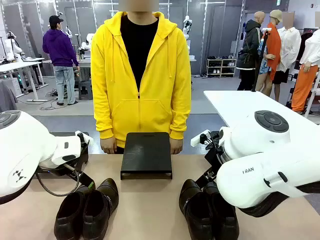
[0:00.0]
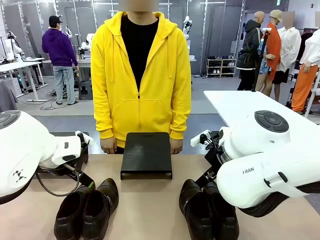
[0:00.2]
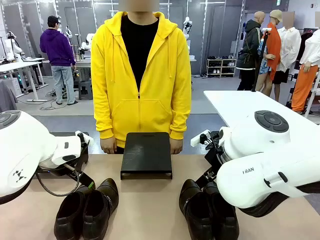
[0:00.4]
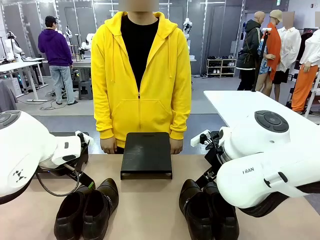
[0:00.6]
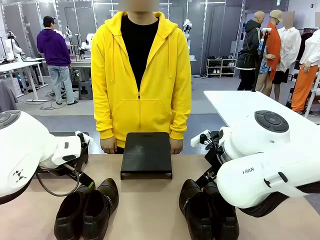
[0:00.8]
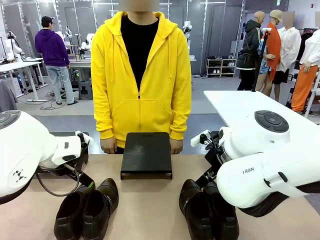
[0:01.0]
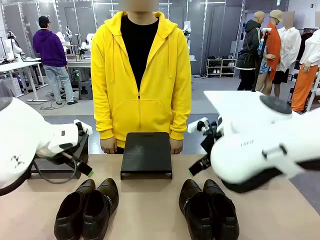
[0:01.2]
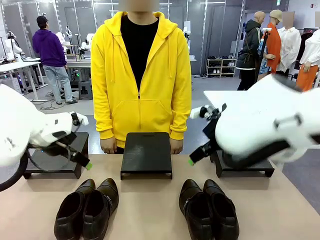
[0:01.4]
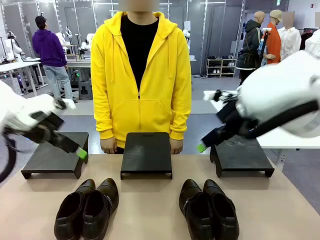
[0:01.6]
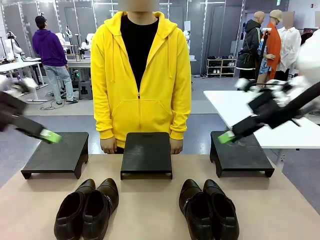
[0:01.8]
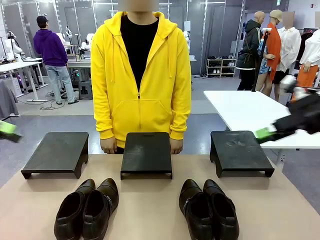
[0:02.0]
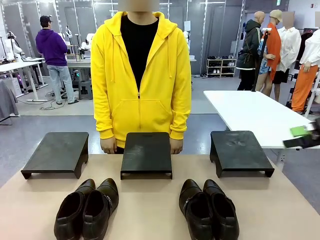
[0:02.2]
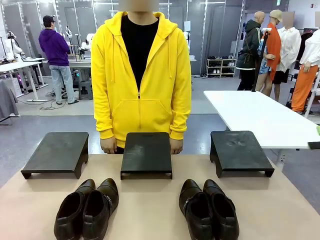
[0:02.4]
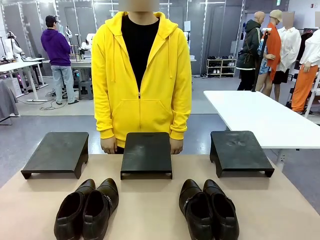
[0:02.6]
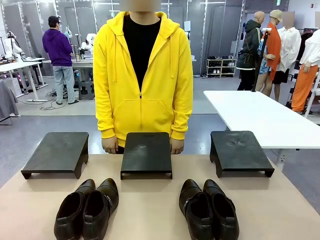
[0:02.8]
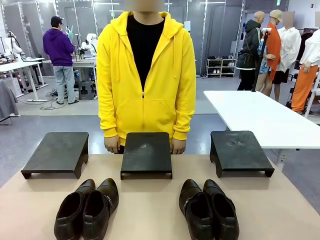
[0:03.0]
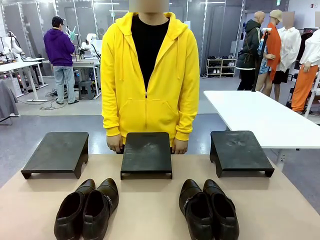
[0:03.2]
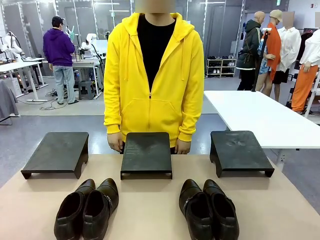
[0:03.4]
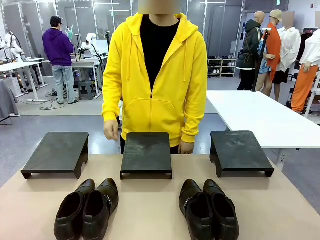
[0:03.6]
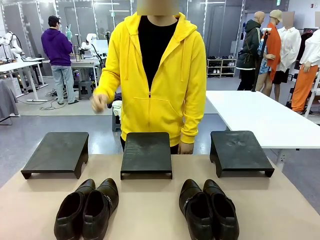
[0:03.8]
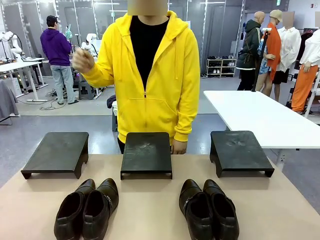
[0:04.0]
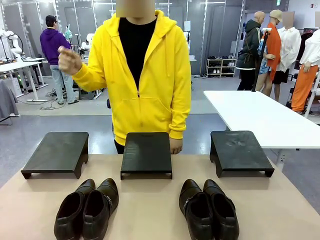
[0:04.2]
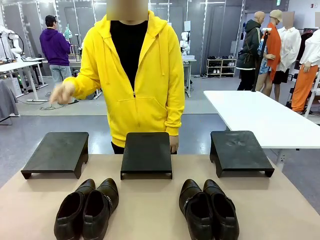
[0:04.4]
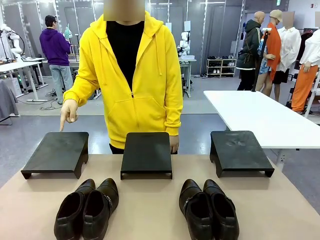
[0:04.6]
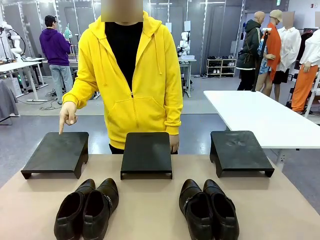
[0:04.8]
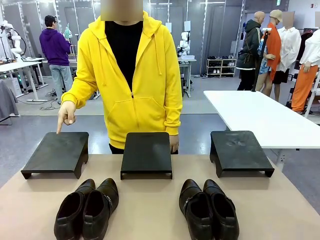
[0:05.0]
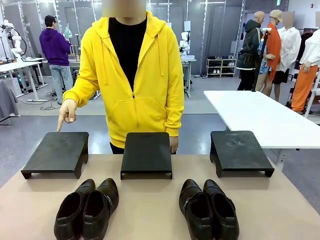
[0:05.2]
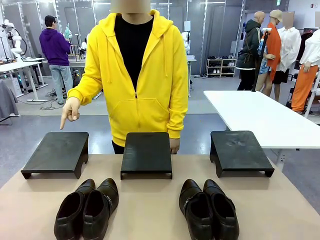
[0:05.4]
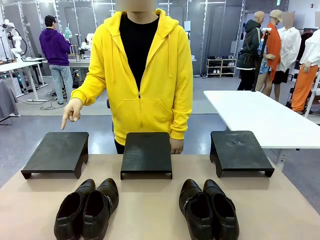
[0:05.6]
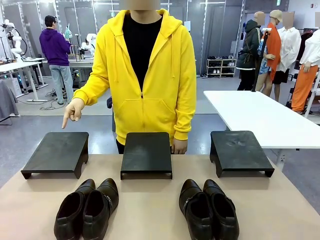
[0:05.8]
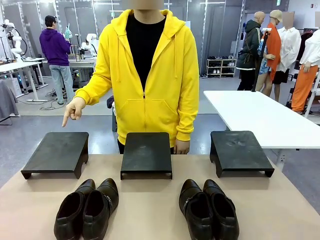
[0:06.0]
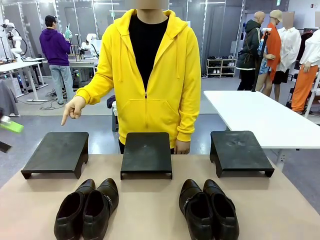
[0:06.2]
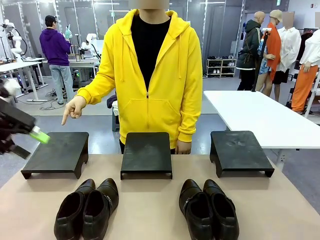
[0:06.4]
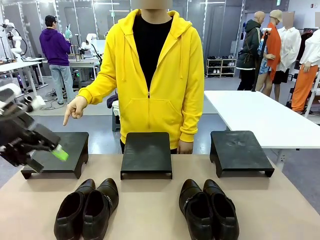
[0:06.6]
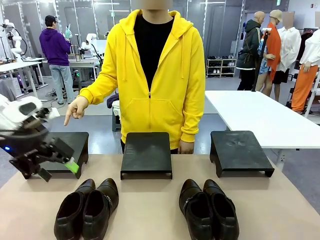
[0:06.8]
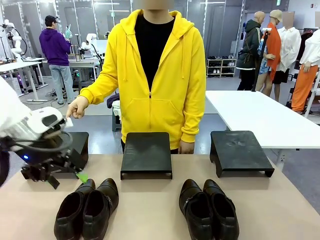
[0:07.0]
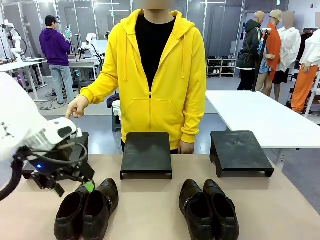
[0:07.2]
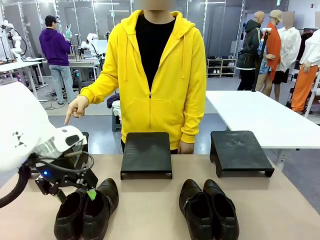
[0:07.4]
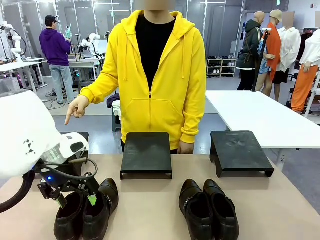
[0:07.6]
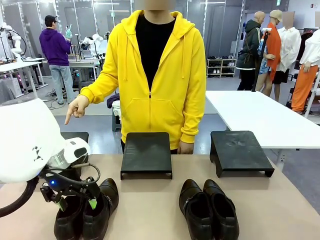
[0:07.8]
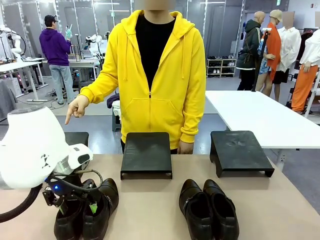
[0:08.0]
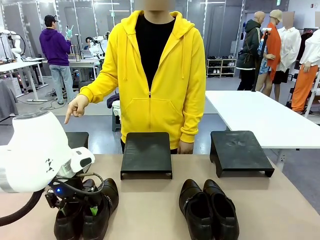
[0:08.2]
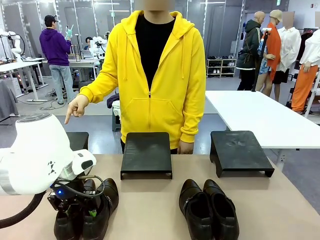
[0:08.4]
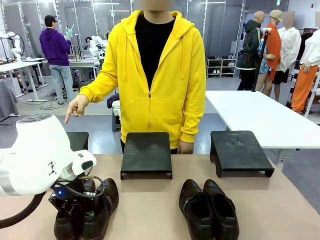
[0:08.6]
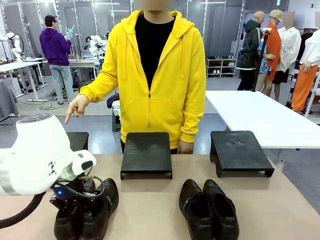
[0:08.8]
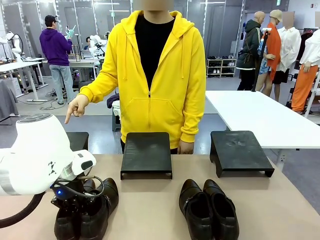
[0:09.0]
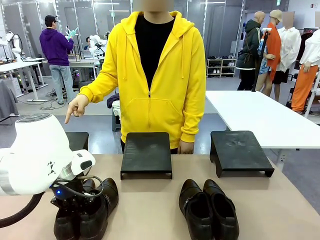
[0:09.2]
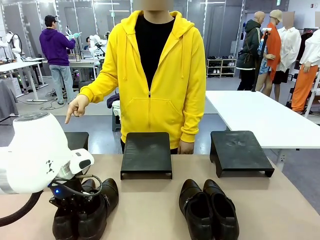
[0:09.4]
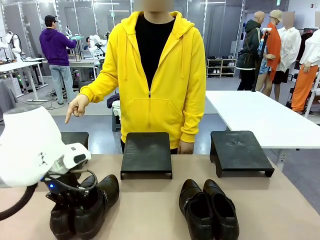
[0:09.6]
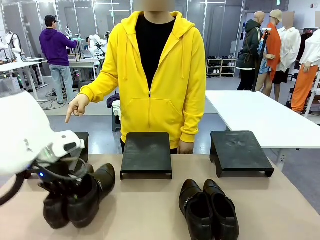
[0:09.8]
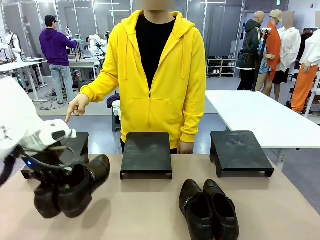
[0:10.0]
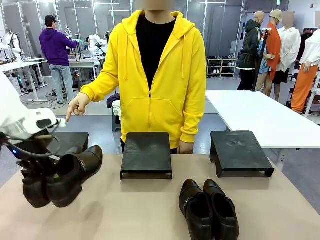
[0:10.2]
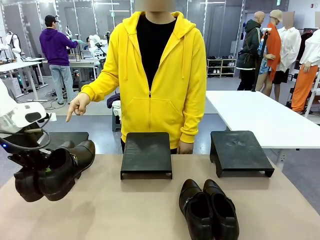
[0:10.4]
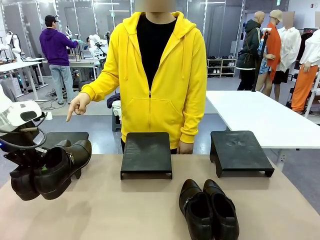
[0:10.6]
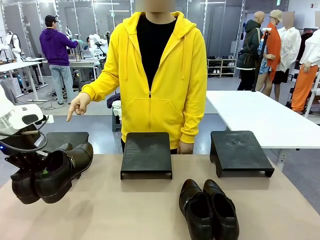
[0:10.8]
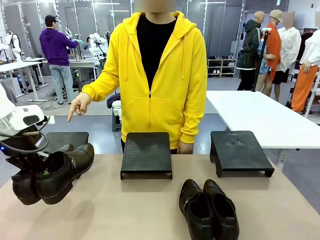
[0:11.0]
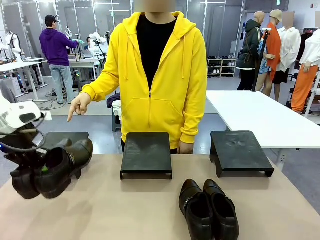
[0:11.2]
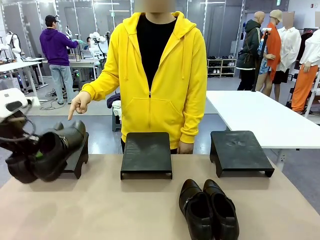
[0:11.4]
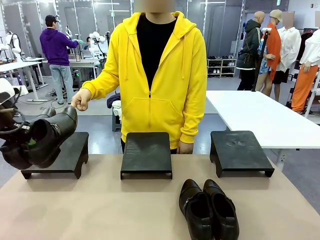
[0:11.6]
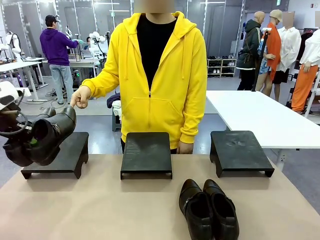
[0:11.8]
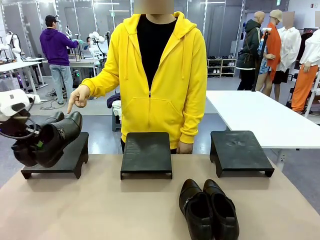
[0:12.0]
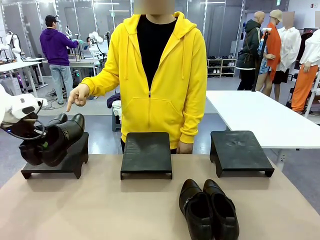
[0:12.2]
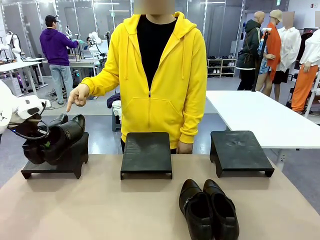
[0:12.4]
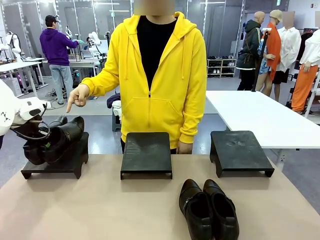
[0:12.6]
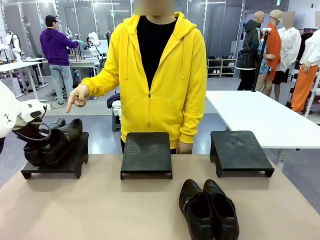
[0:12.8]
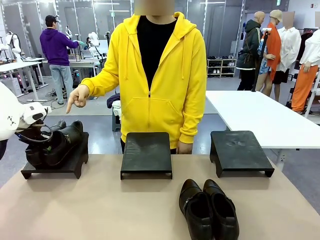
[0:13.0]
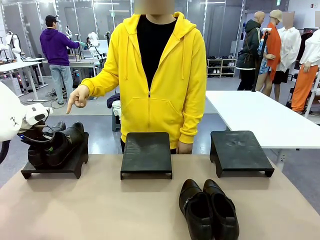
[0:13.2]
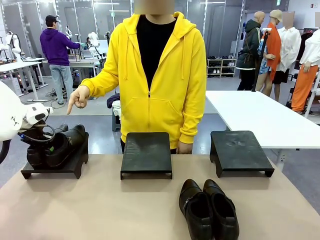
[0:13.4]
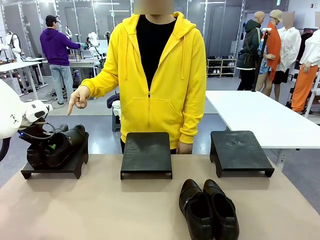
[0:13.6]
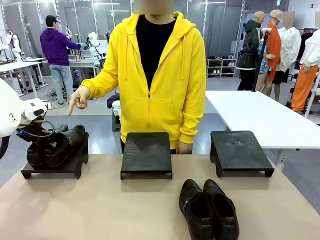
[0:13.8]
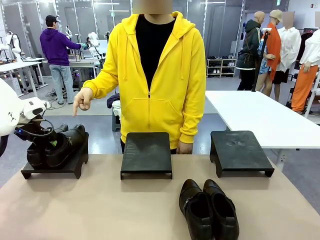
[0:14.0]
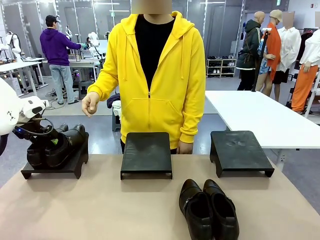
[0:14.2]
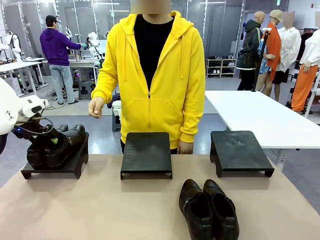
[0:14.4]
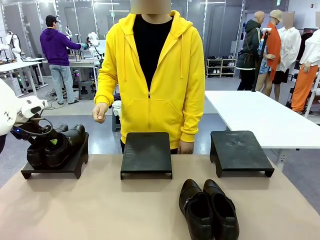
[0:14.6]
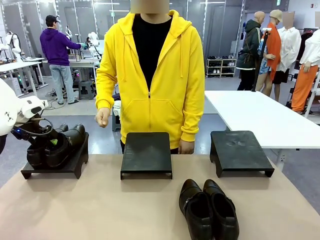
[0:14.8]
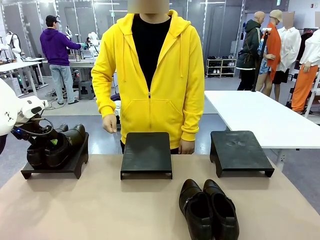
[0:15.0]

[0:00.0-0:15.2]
Task: Place the shoes on the stand as instructed by the person.
Robot: Pick up one pair of Shoes and place it on the Shoes Stand indicated by the person.
